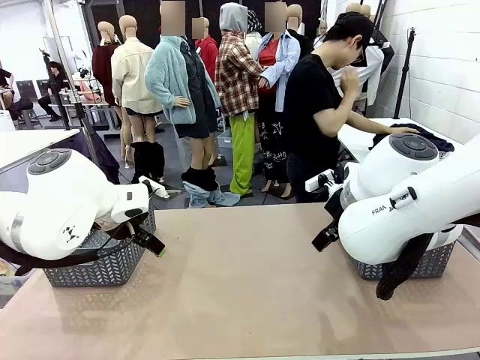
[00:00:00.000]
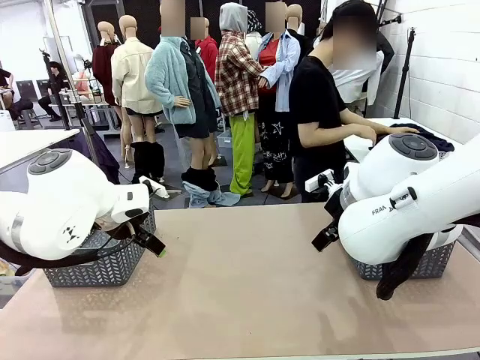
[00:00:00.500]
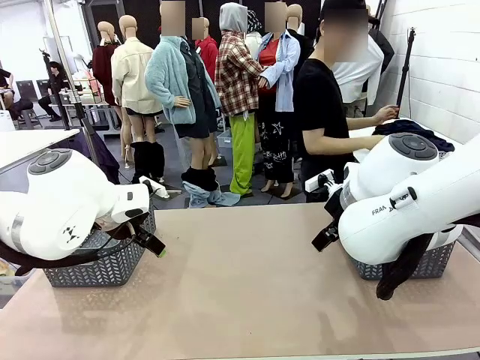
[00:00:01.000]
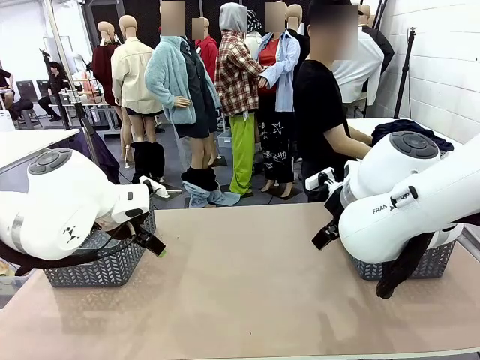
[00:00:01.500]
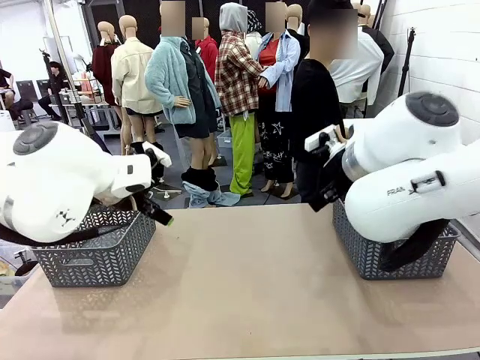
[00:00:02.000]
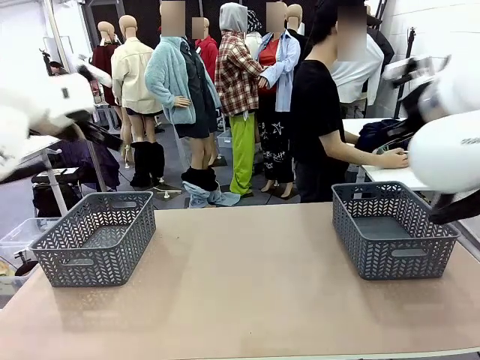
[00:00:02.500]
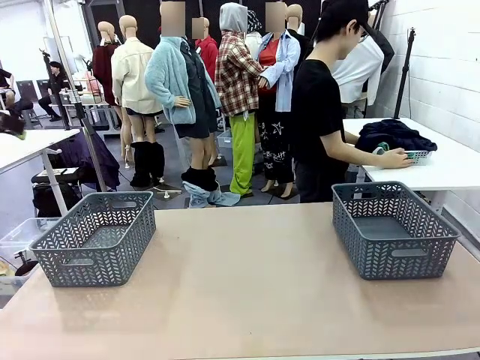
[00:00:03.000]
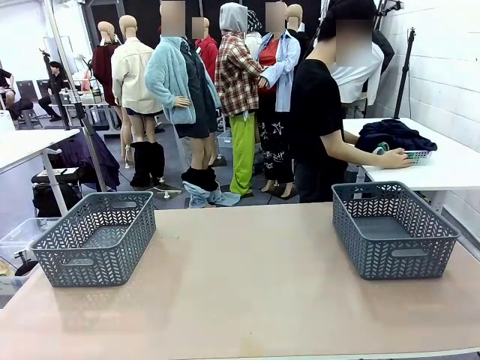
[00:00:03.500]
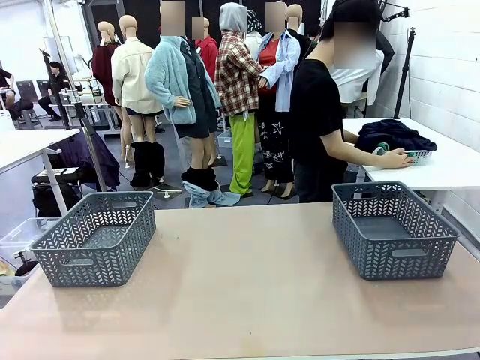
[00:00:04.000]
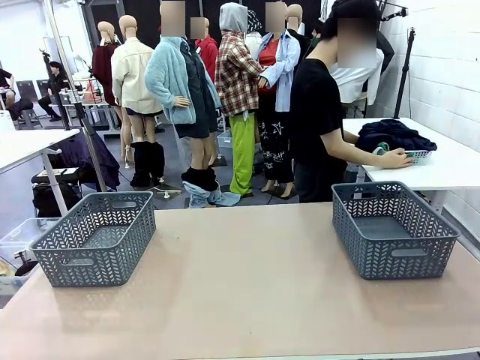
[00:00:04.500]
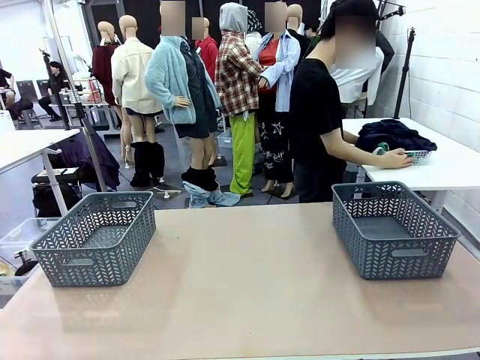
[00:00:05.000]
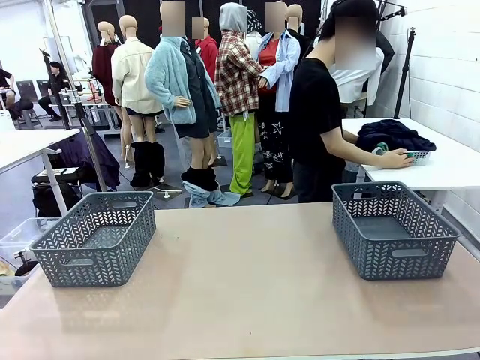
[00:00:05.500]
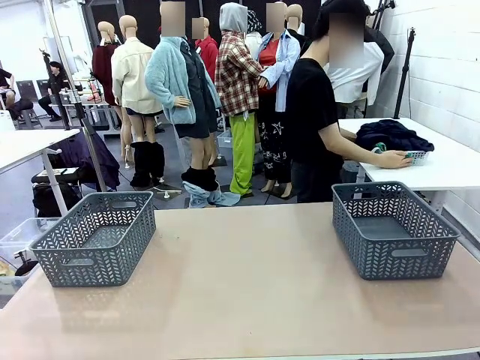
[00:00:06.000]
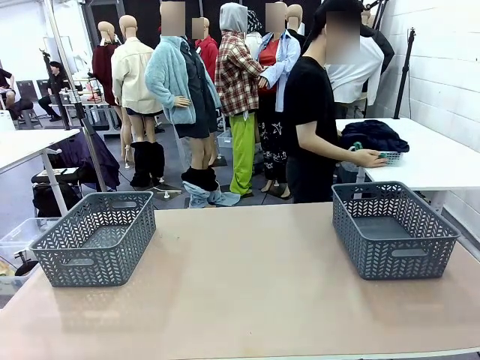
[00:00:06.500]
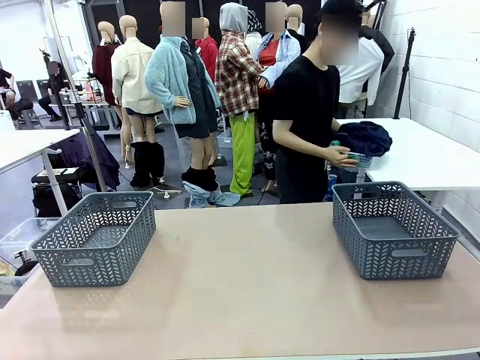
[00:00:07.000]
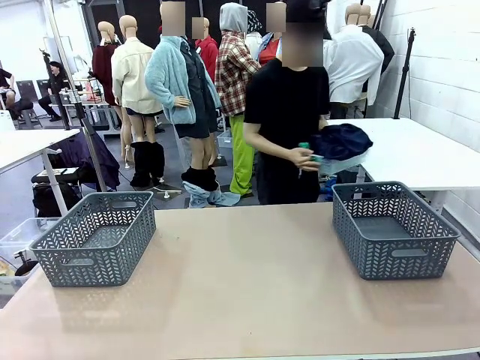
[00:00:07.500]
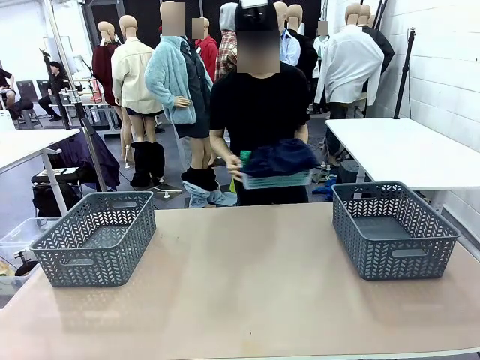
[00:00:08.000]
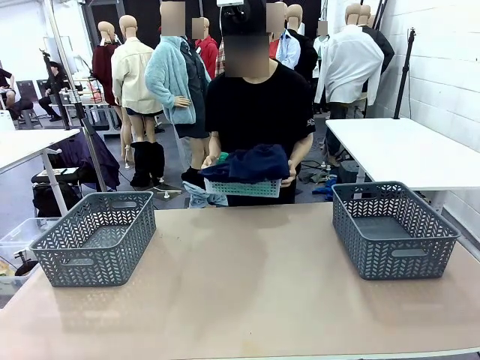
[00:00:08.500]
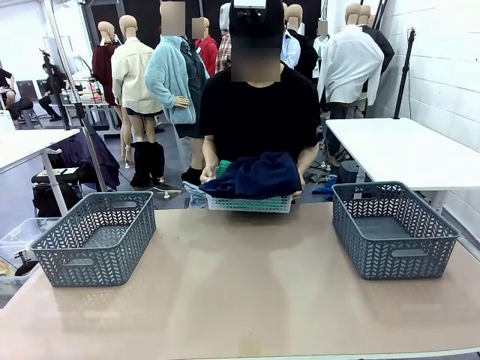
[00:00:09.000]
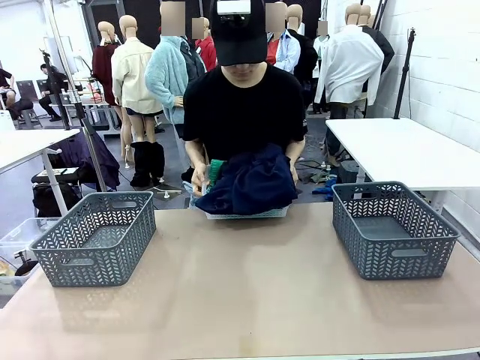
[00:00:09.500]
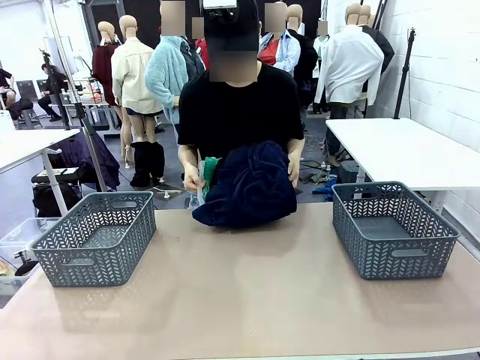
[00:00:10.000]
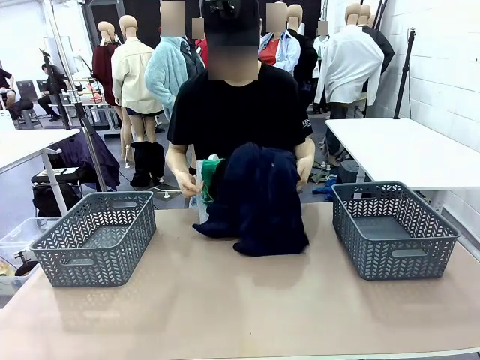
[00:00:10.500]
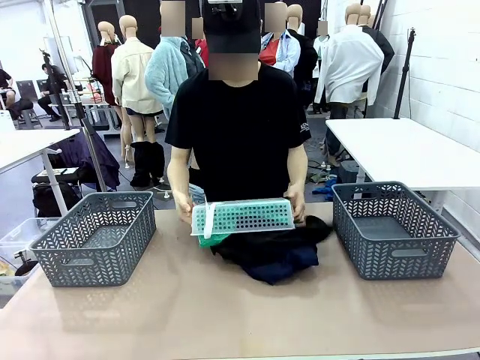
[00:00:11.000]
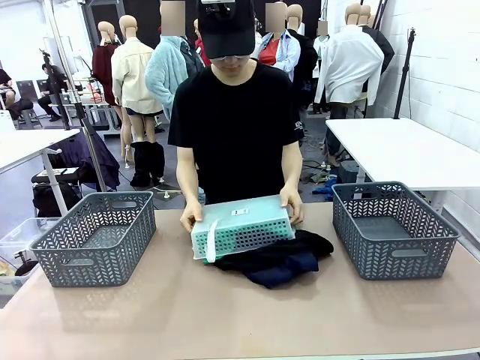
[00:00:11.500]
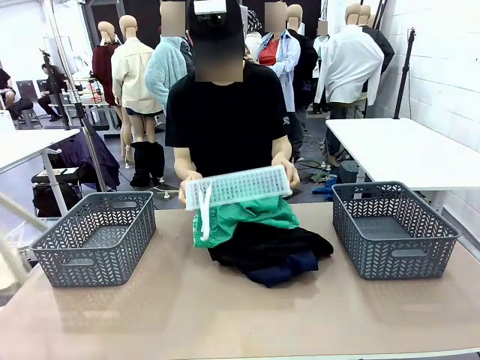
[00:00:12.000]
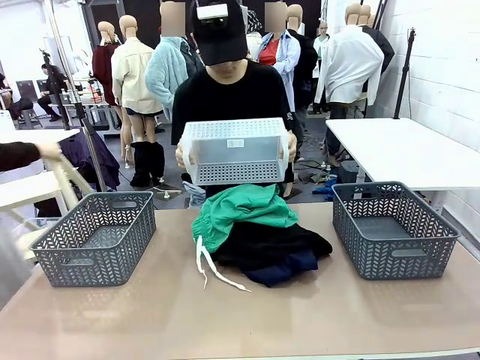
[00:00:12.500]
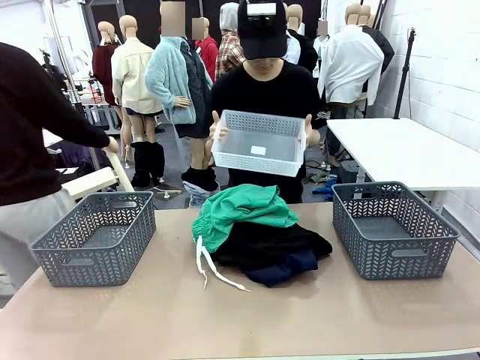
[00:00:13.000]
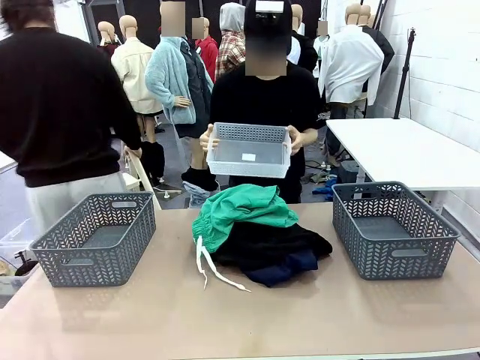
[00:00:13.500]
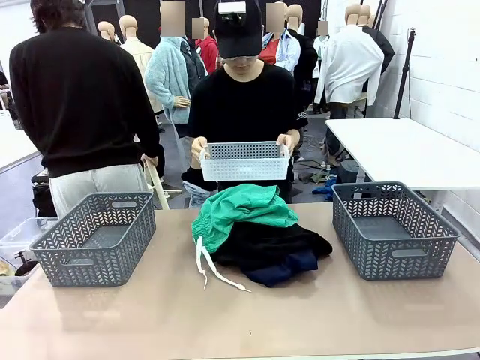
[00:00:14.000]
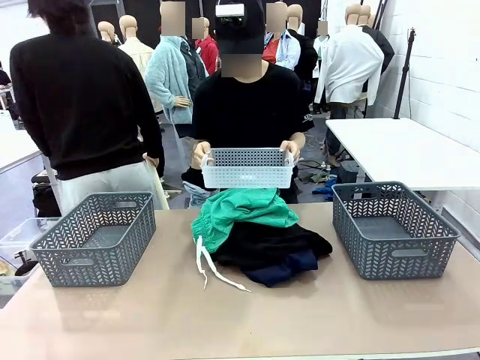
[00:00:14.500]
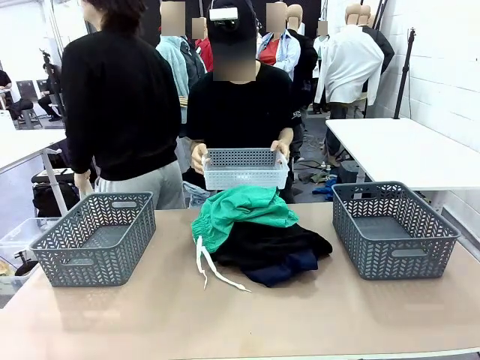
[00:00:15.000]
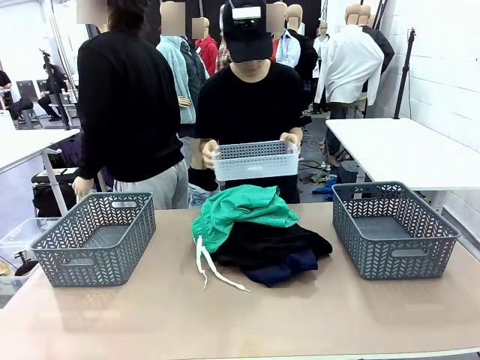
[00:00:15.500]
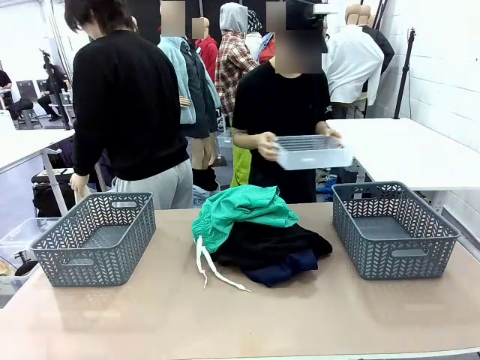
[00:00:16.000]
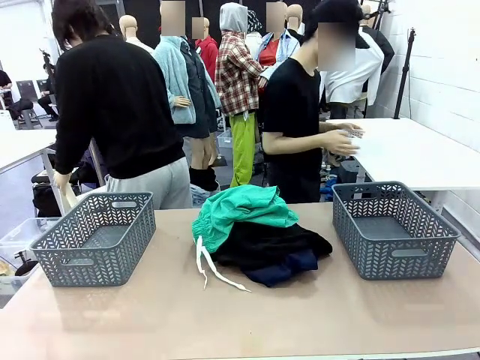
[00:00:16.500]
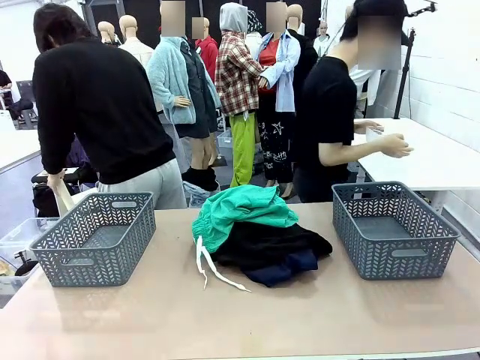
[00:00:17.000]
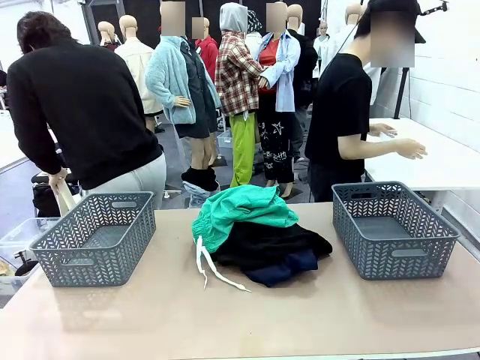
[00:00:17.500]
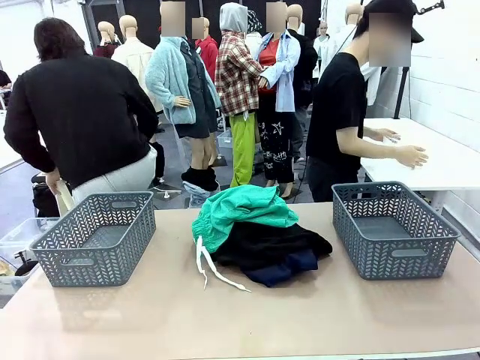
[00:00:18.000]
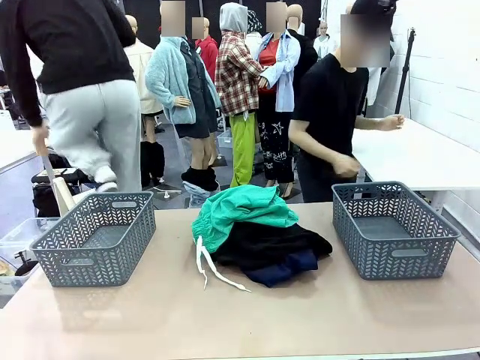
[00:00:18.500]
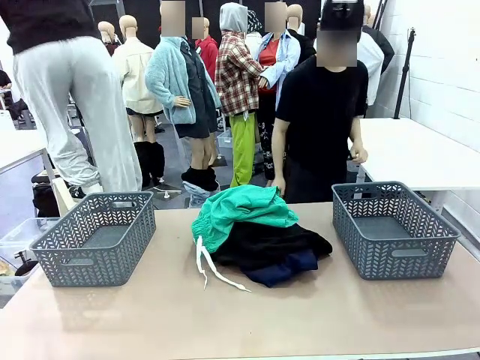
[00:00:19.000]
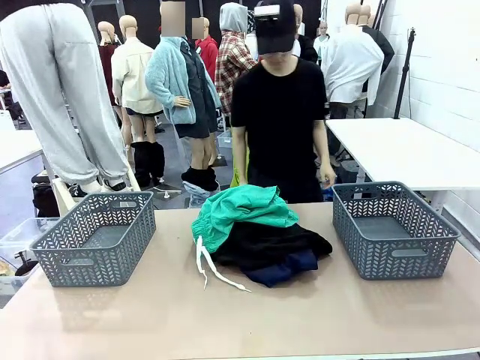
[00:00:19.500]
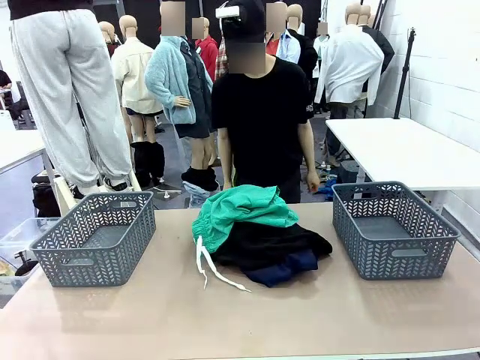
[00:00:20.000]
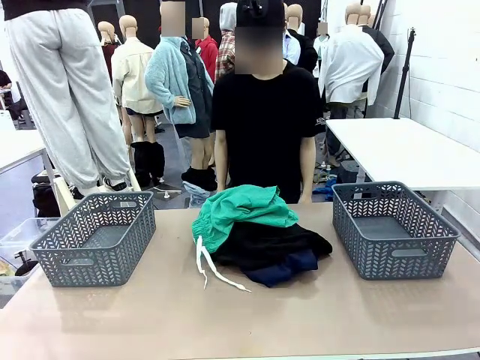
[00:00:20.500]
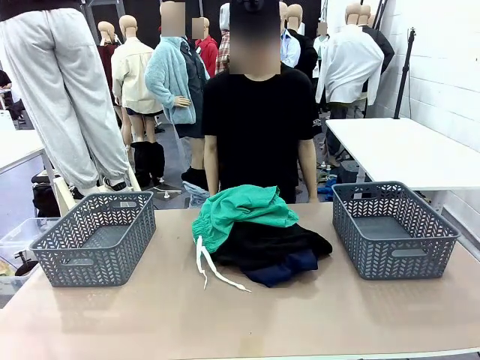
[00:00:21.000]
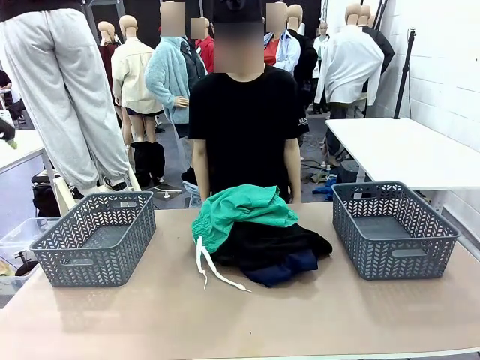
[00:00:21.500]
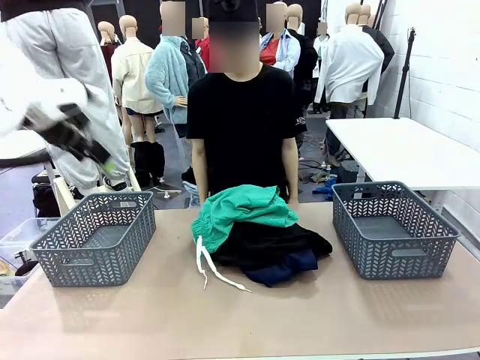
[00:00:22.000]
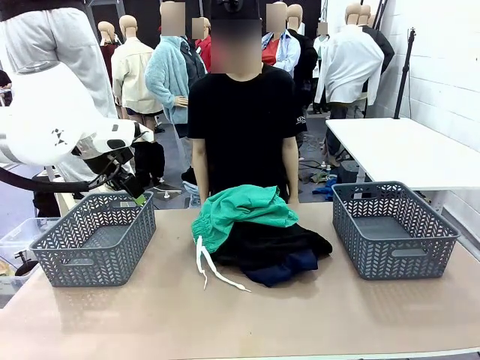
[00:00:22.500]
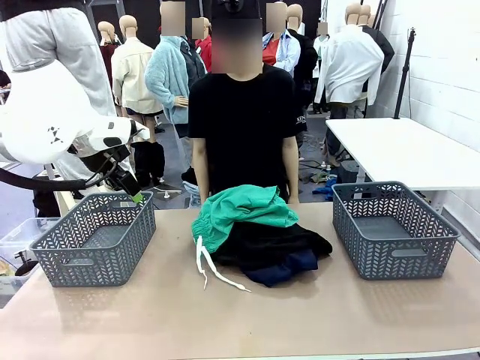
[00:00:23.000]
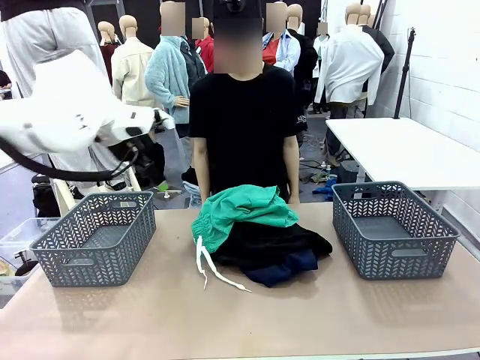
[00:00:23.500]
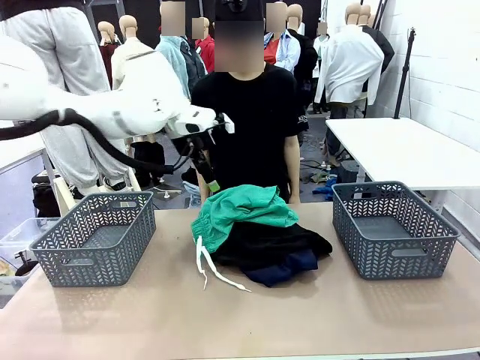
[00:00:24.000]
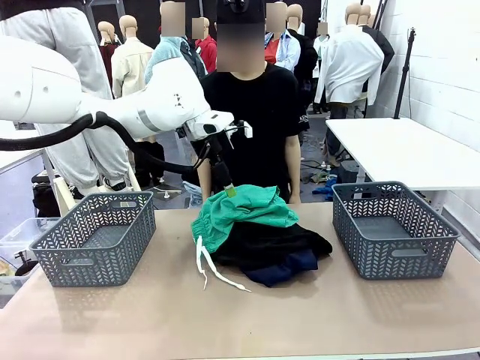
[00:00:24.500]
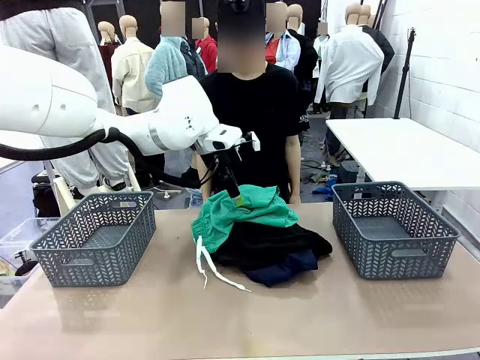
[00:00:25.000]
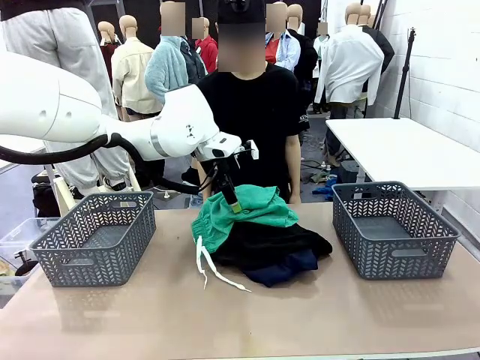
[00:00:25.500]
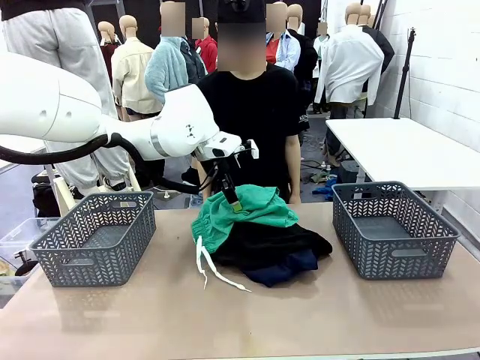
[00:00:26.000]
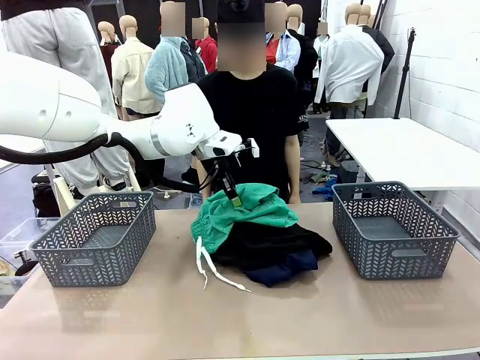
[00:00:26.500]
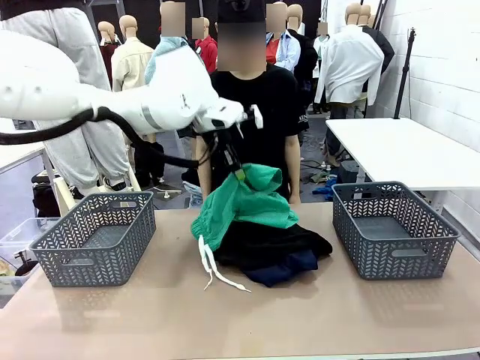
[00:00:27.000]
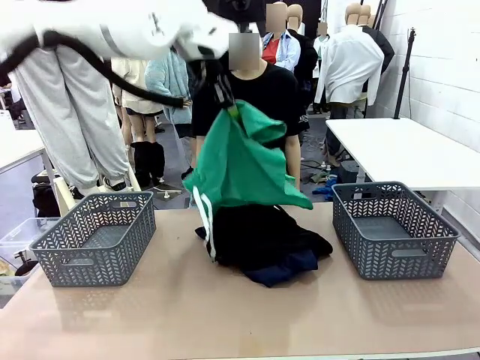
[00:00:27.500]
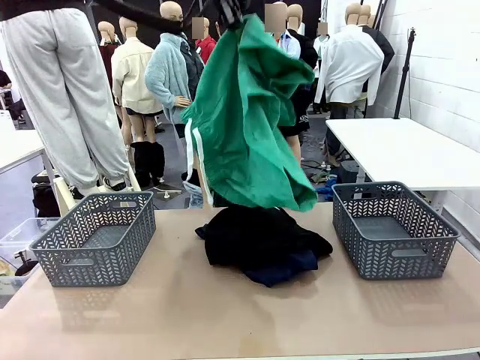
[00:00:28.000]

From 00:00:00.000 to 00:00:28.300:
Task: Sort the tops and bottoms.
Robot: Lift clothes from the center of the table with your left hand.
Person: Pour the clothes from the basket onto the center of the robot table.
